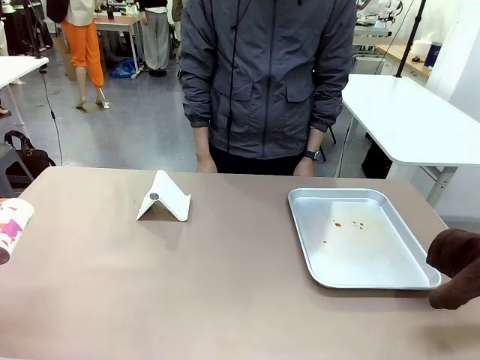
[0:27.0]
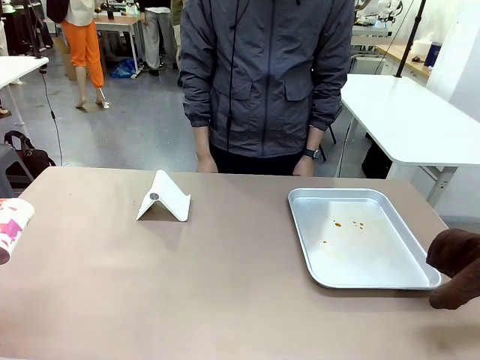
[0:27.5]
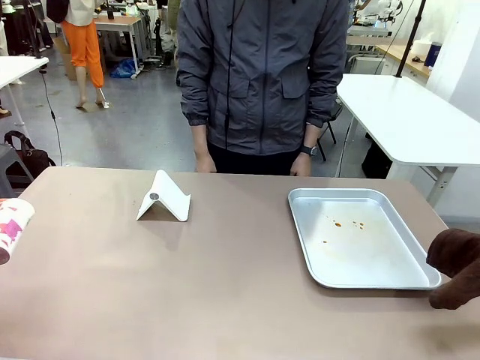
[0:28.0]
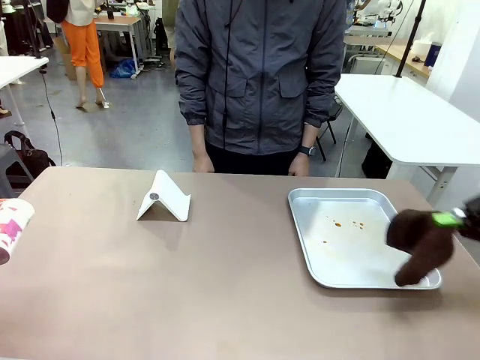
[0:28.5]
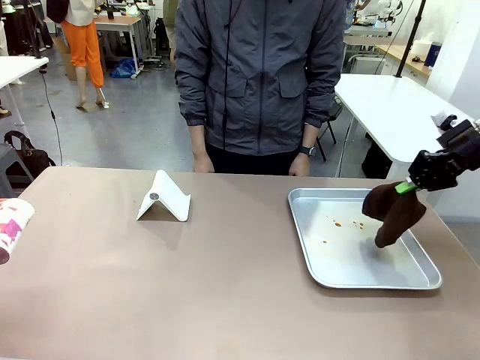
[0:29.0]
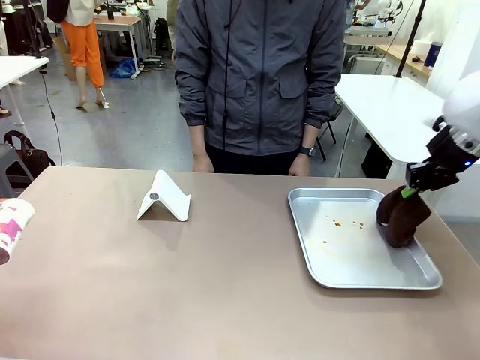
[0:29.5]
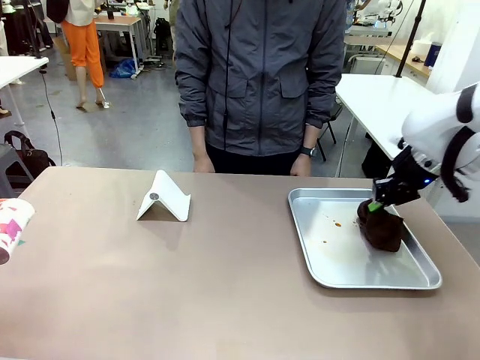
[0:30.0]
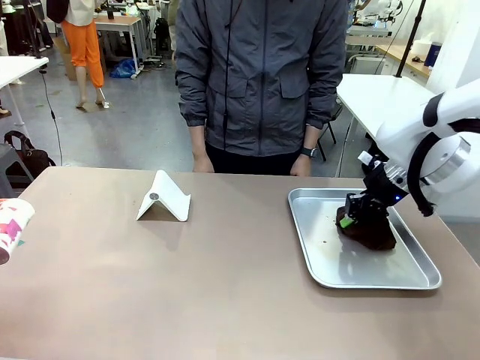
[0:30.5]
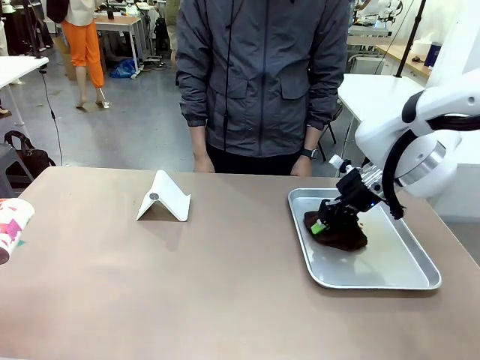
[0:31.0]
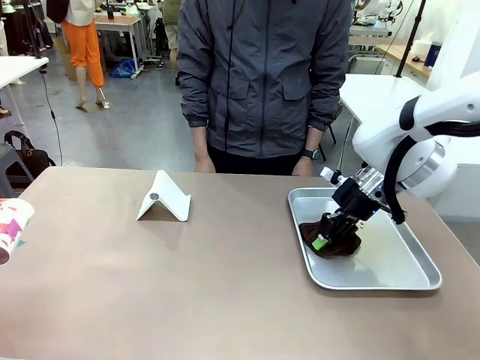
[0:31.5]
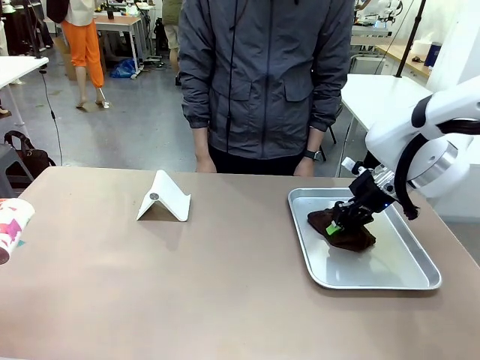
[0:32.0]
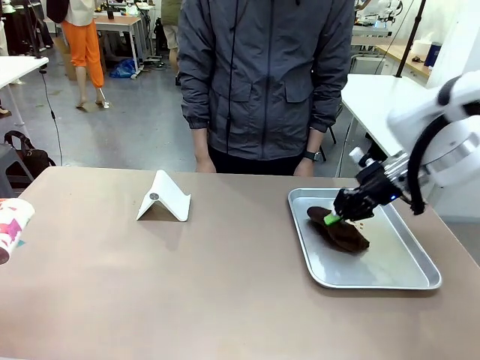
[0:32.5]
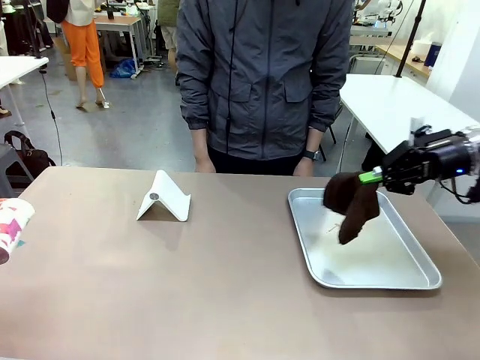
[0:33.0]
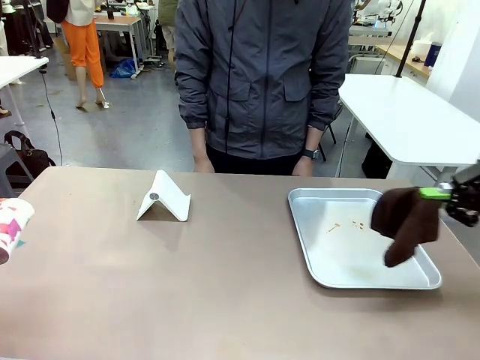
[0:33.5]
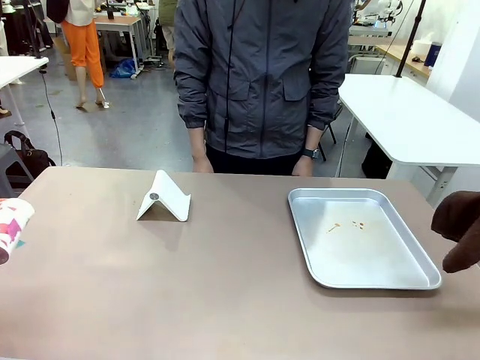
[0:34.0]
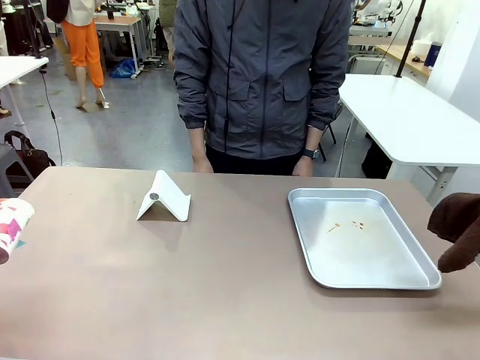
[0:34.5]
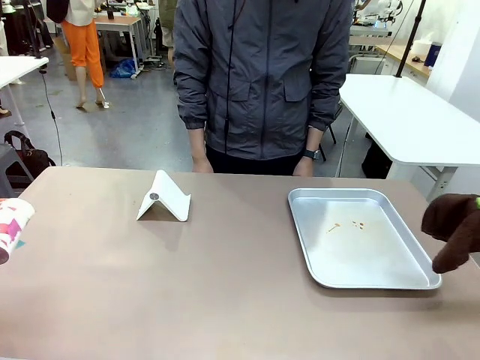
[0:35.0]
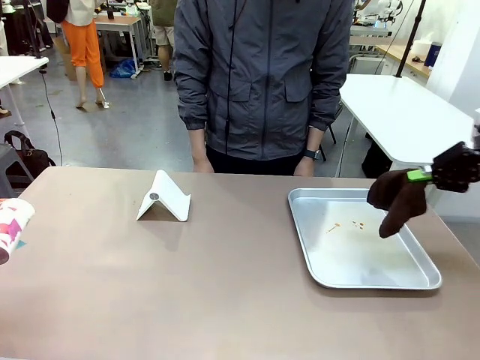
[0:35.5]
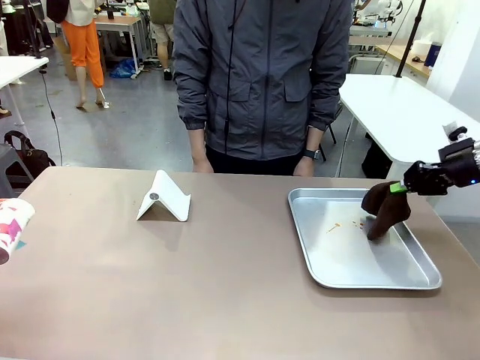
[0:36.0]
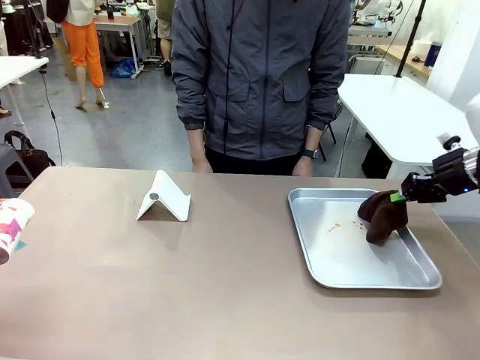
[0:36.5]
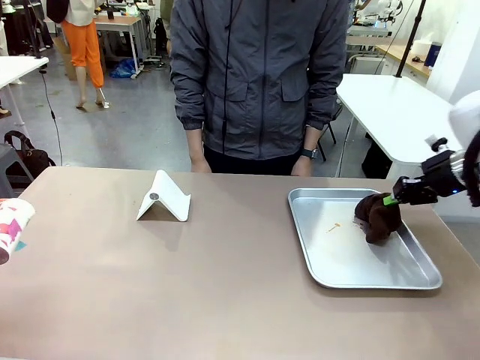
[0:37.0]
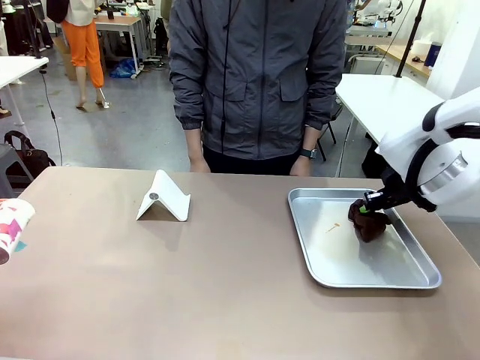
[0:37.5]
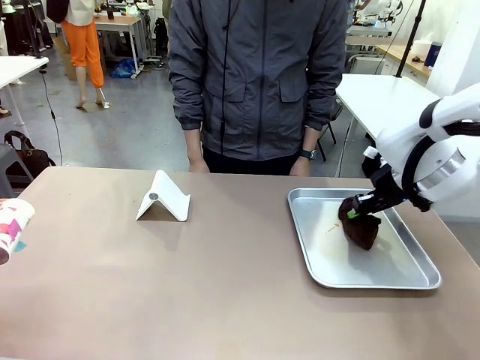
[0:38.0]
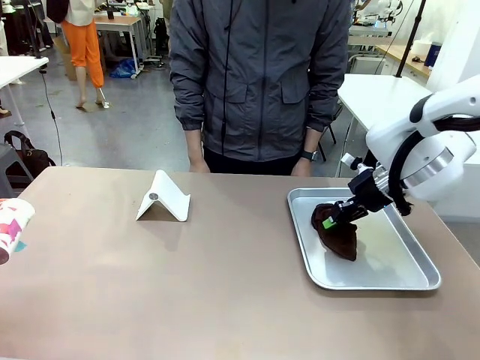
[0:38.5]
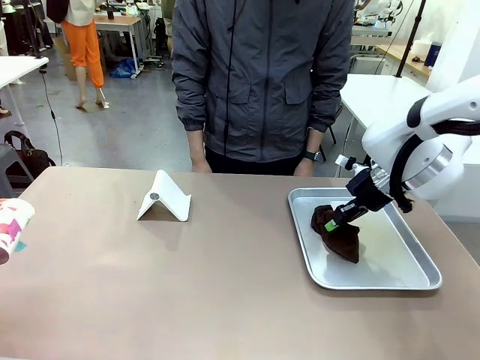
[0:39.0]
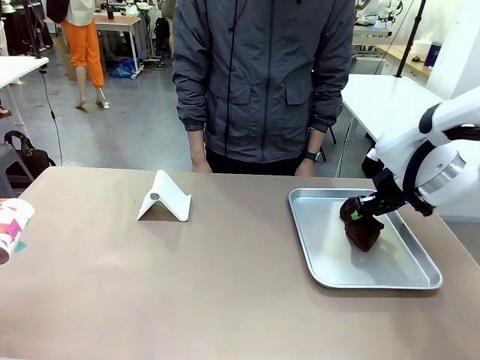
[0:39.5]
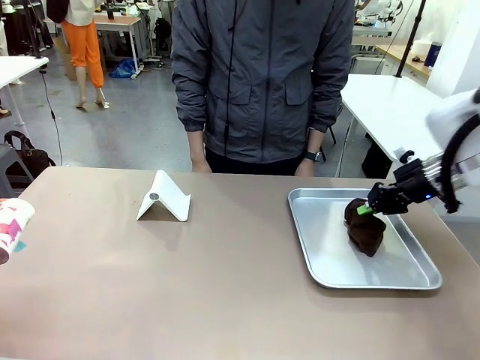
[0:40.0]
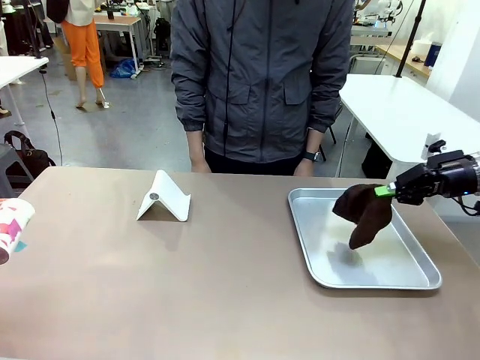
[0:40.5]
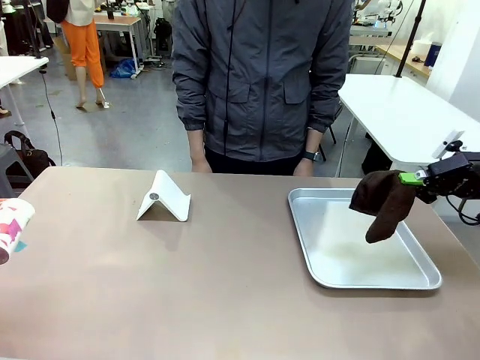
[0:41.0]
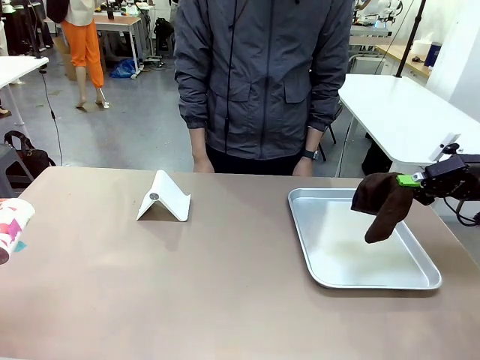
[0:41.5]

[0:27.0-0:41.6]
Task: Clean the surface of the table.
Robot: Clean the area not pointed to by the person.

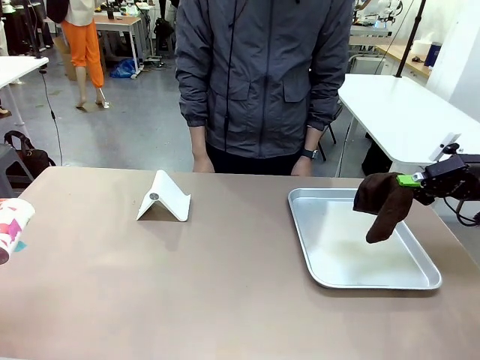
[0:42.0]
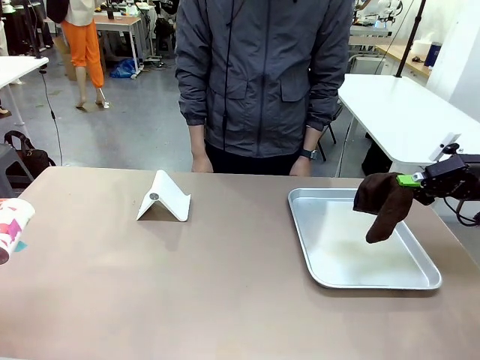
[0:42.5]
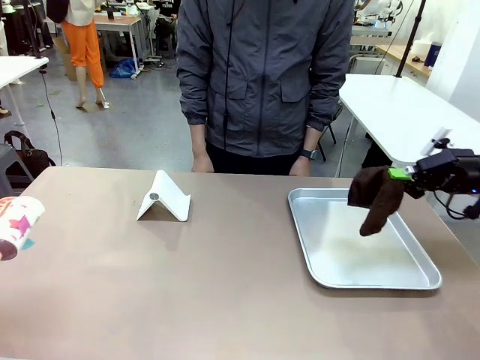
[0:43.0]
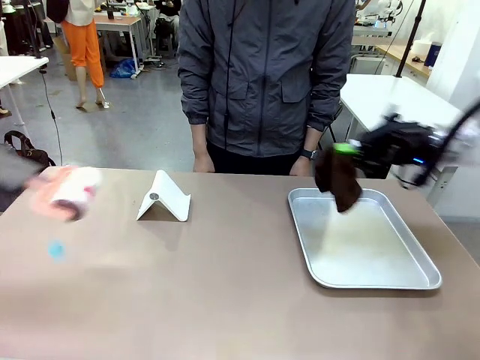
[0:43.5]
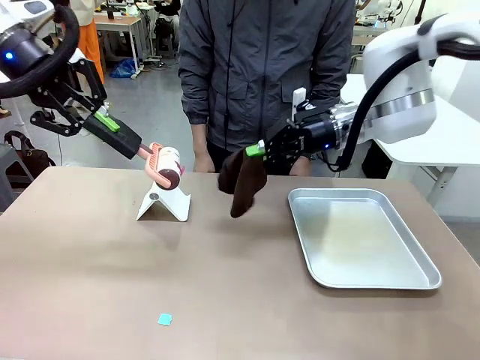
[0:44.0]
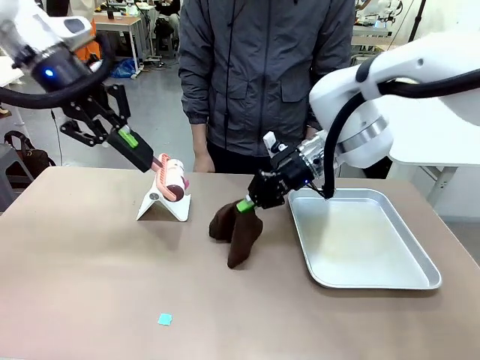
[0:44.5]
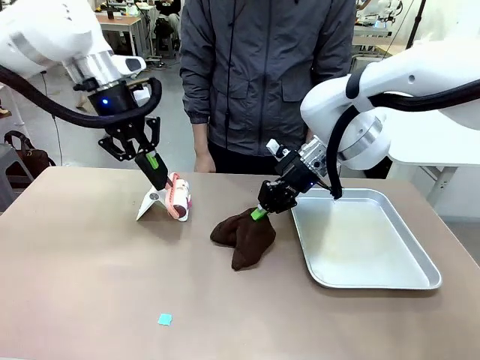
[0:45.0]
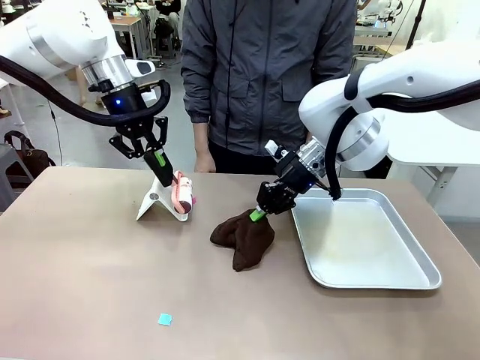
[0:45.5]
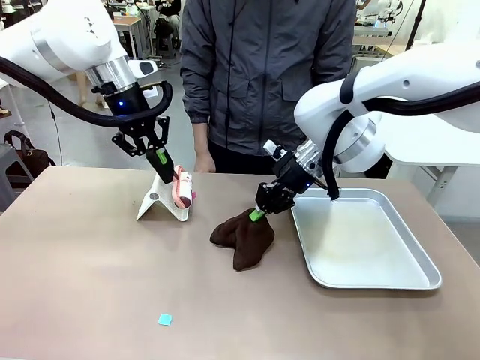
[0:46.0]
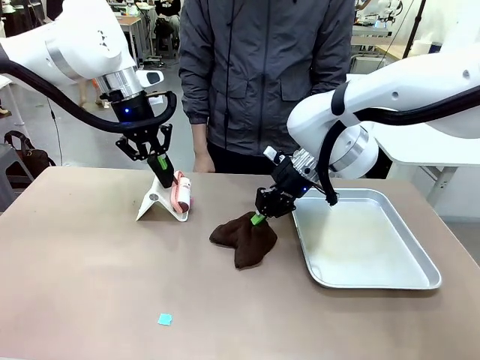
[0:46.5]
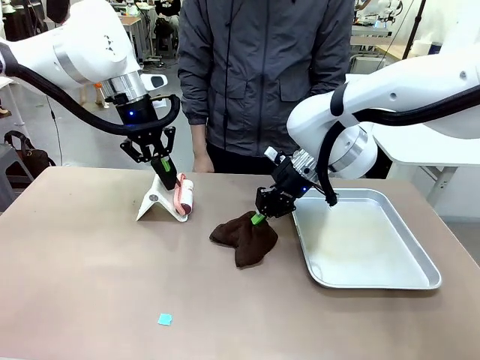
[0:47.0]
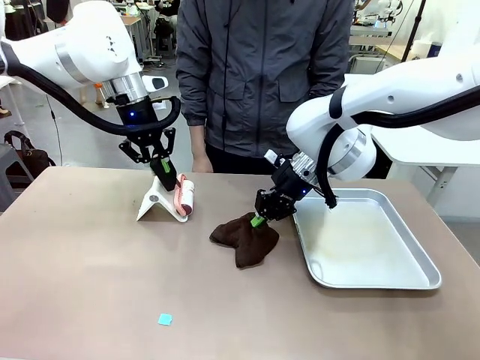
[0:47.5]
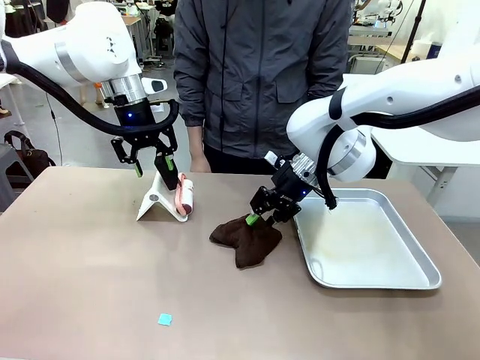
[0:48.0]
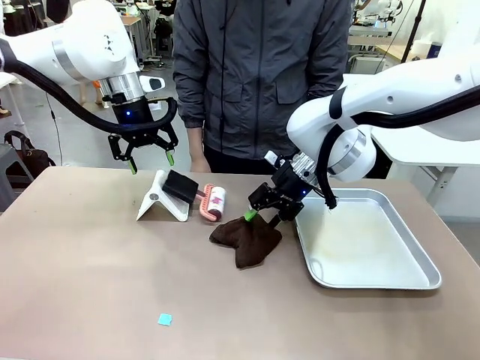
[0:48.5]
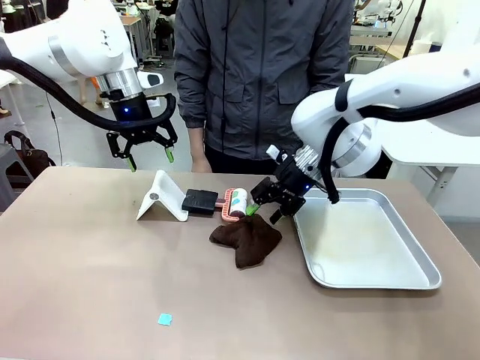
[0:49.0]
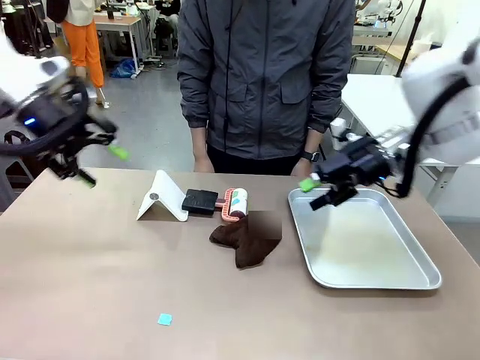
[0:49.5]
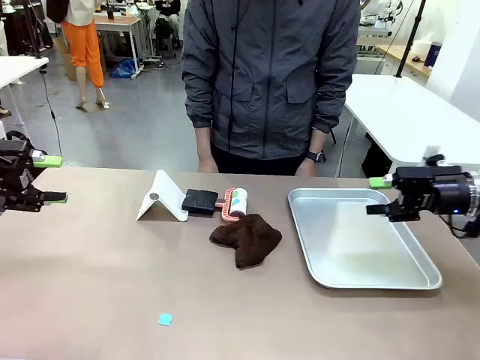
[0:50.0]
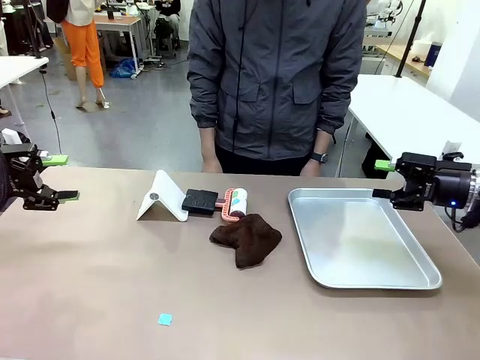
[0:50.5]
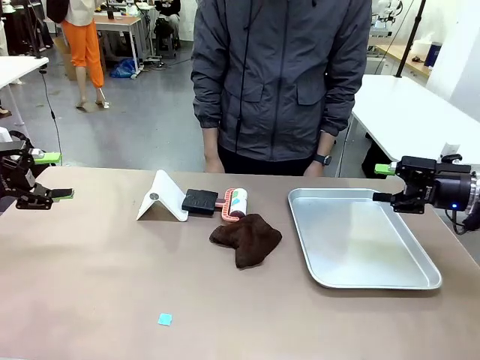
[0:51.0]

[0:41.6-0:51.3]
Robot: Return the Lint Roller and towel to their original positions.

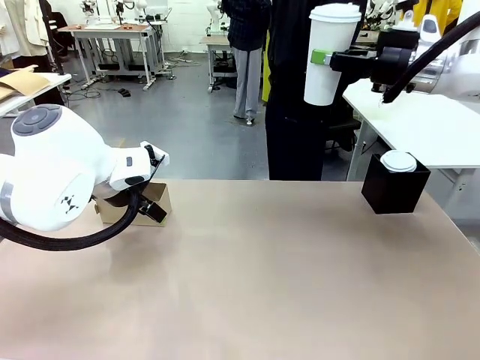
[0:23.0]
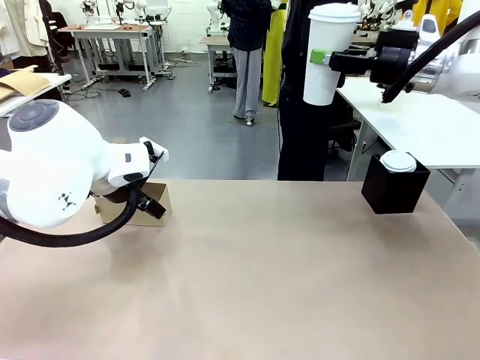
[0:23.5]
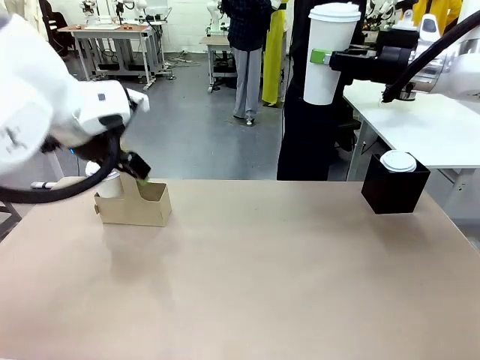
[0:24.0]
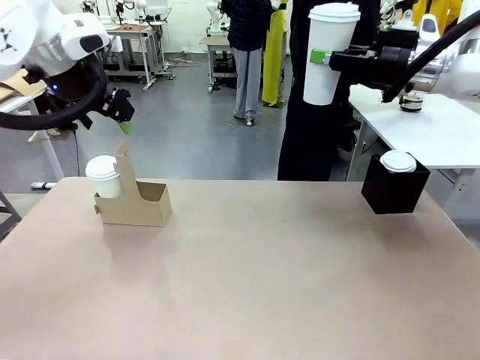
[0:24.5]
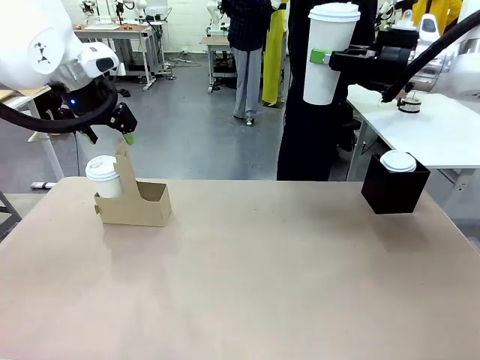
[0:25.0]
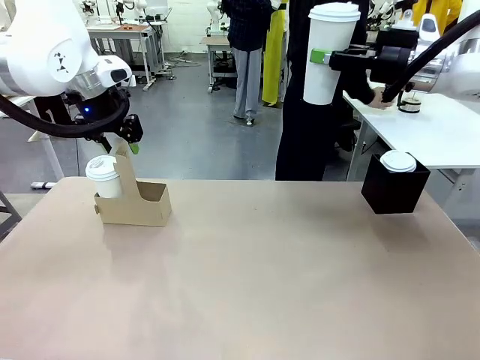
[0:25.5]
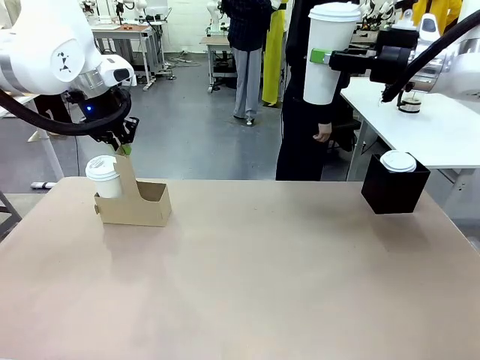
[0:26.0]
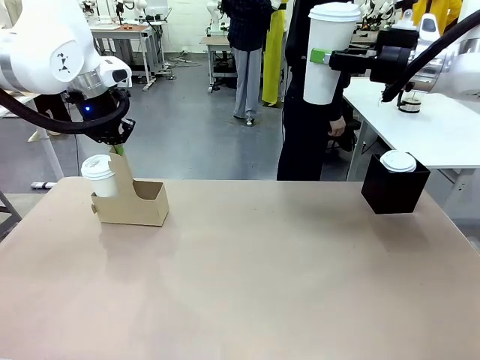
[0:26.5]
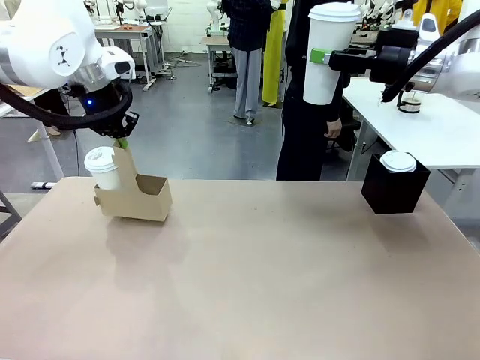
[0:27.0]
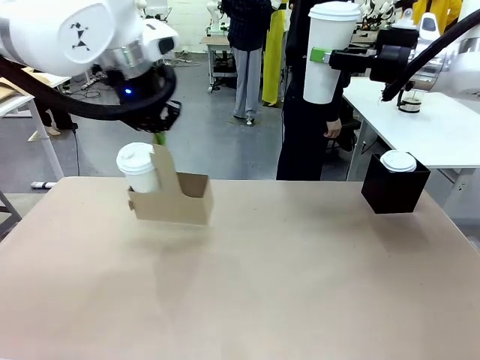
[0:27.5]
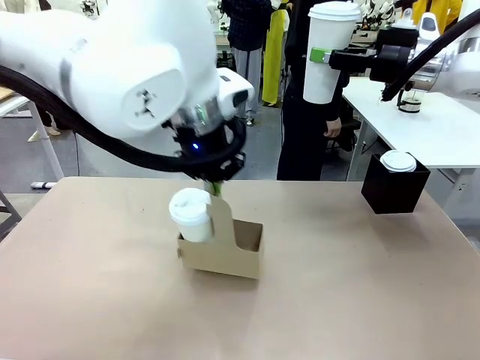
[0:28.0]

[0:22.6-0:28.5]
Task: Pour a drink into a cup and package it in a carrier.
Robot: Position the Cup Carrier in the center of the table.
